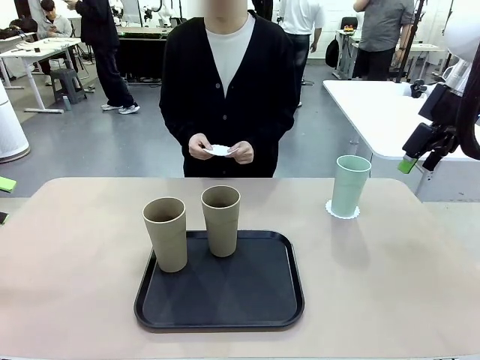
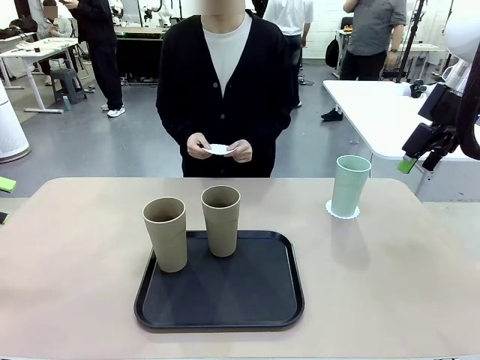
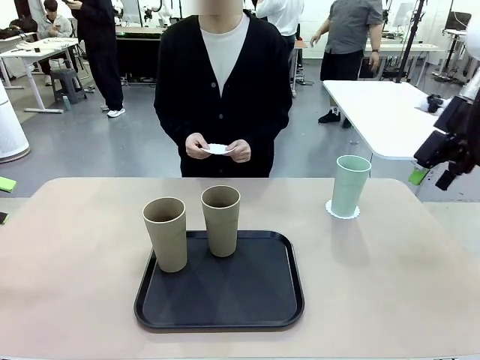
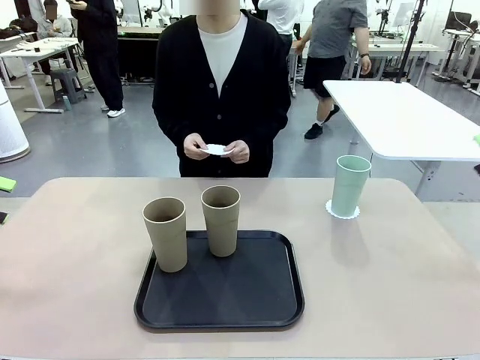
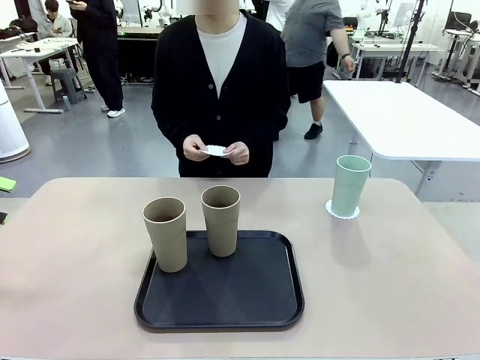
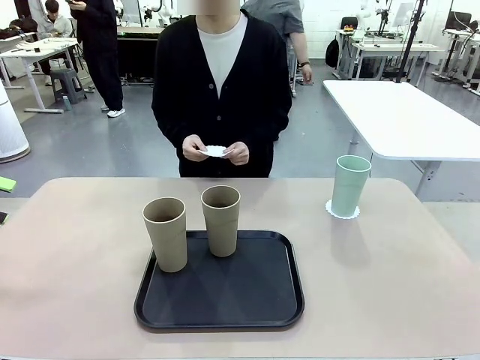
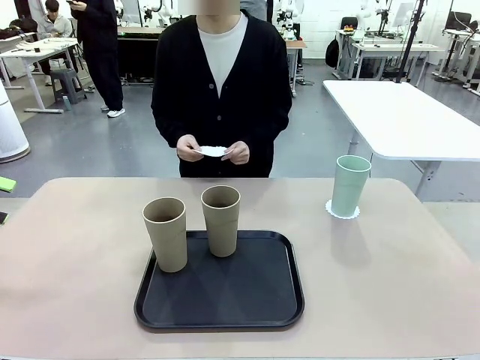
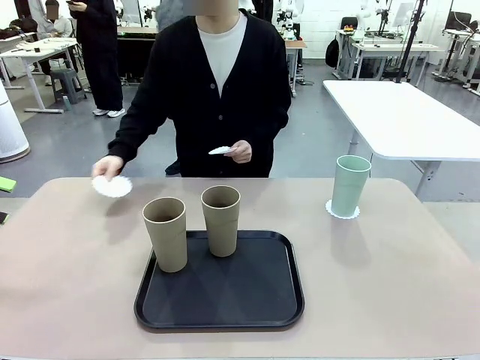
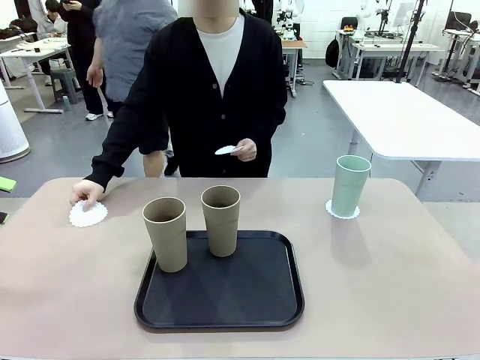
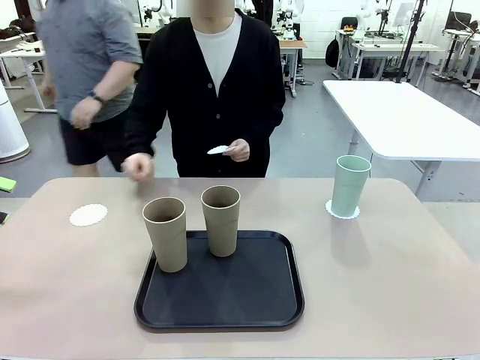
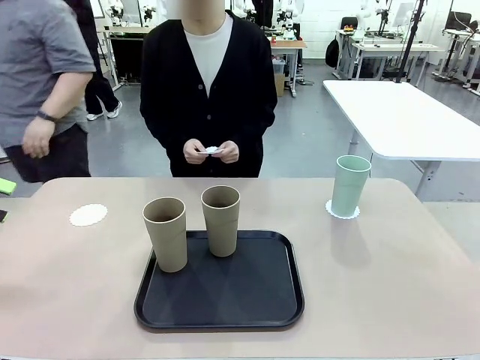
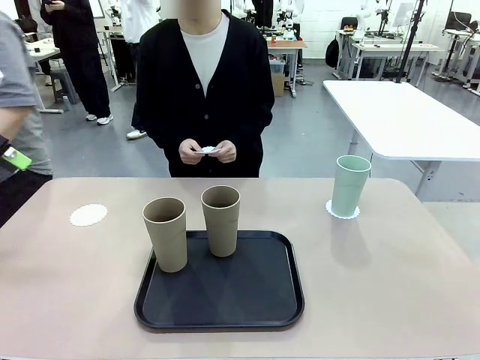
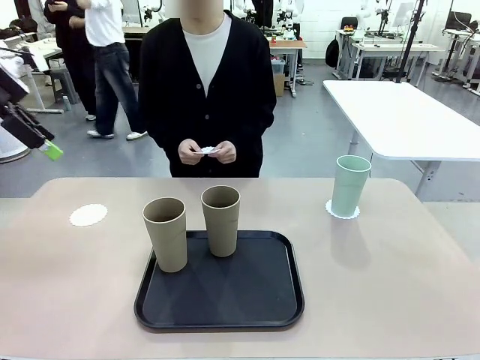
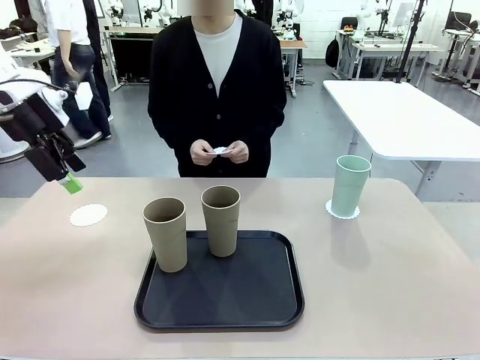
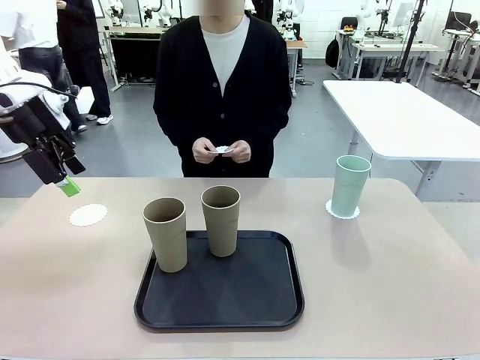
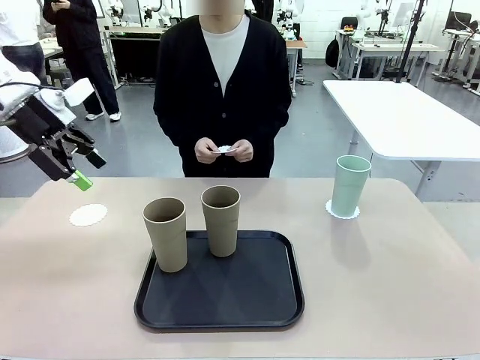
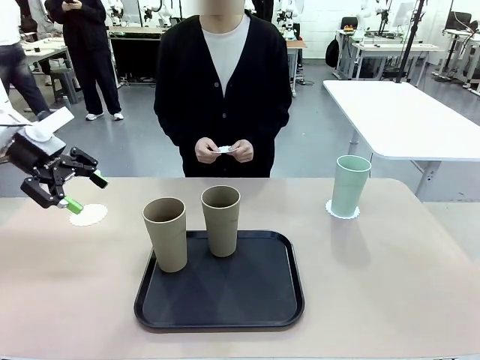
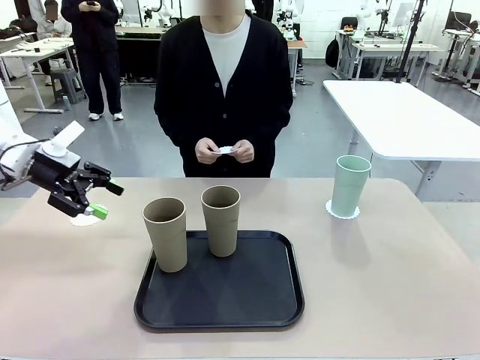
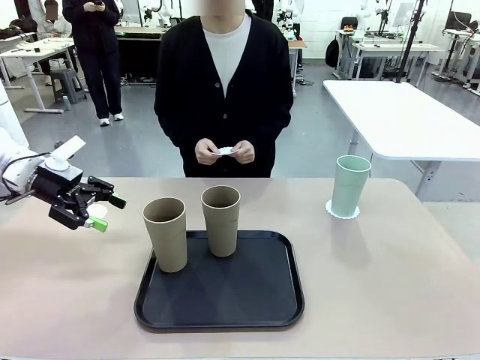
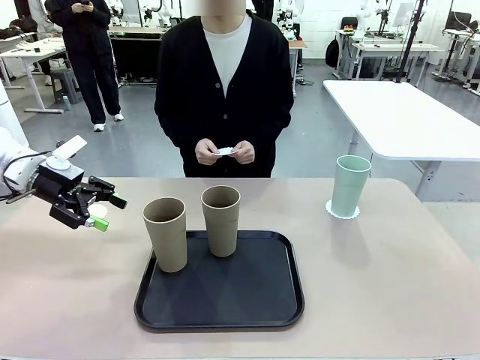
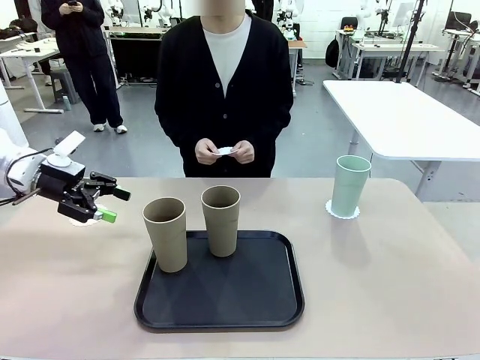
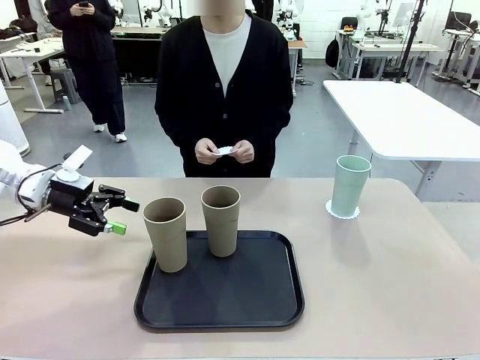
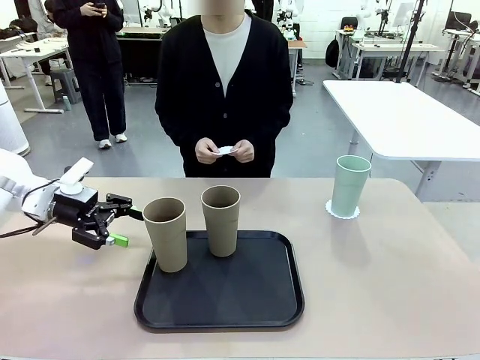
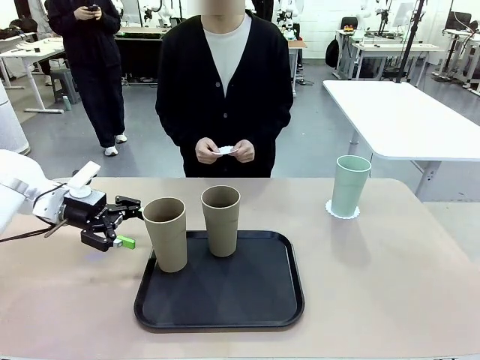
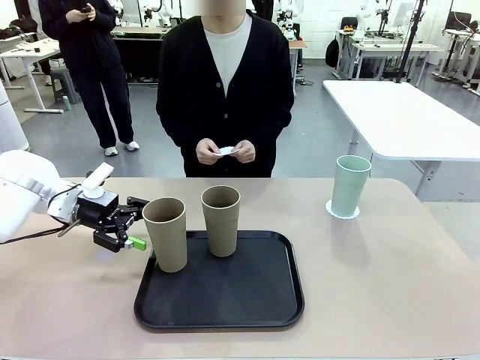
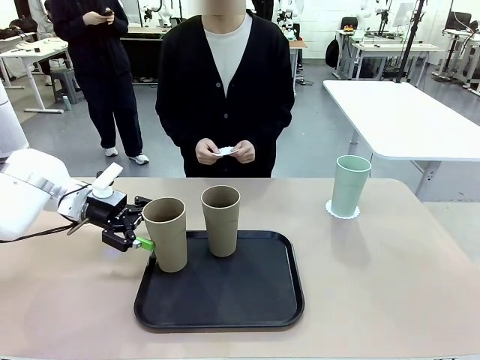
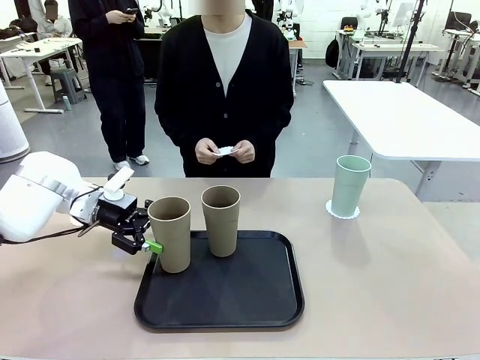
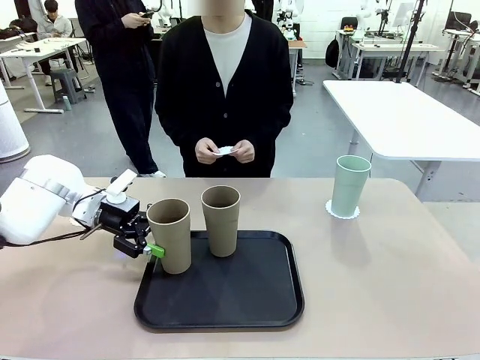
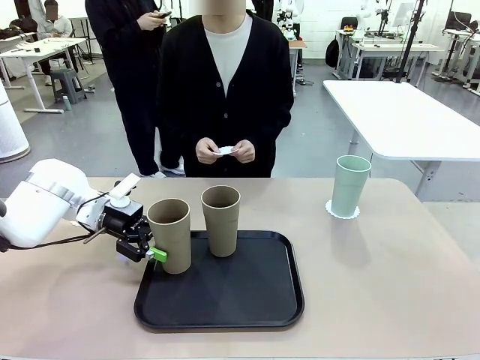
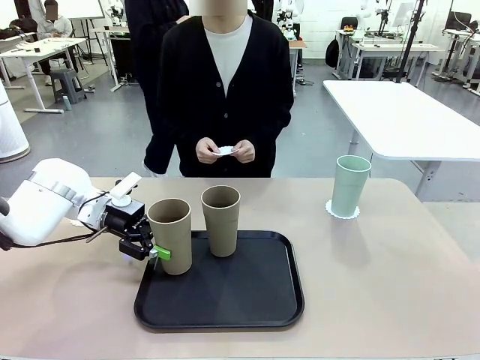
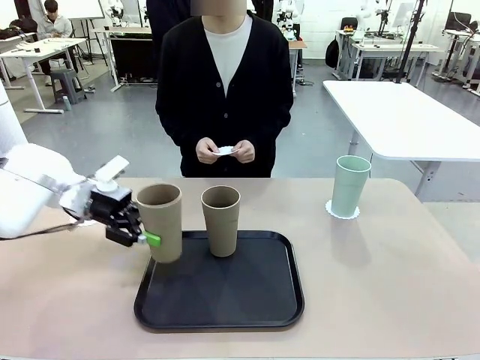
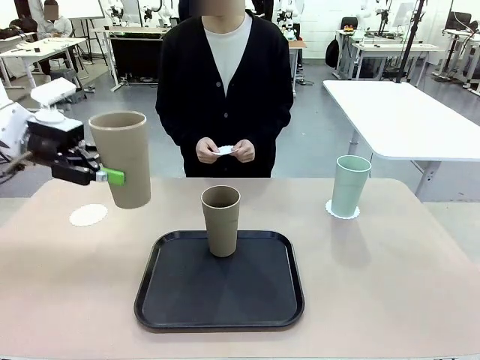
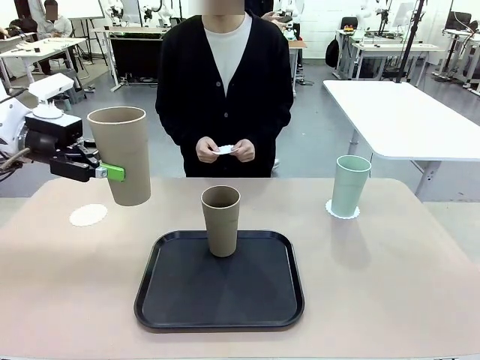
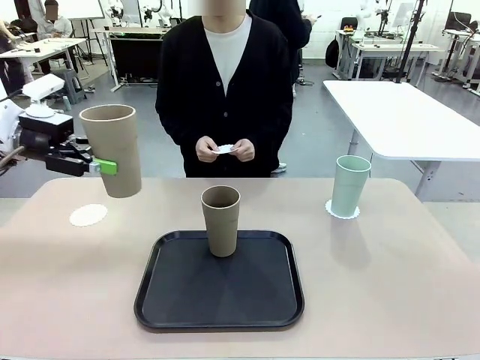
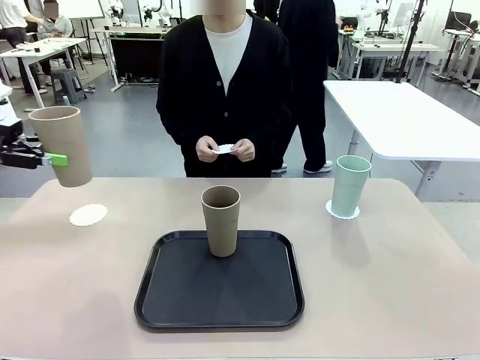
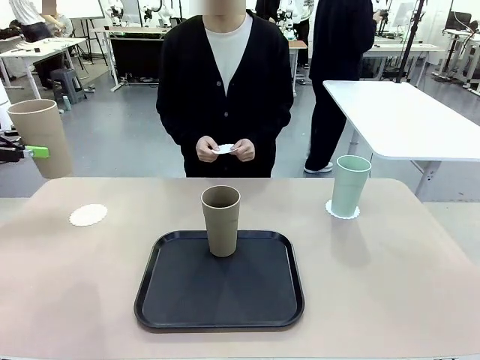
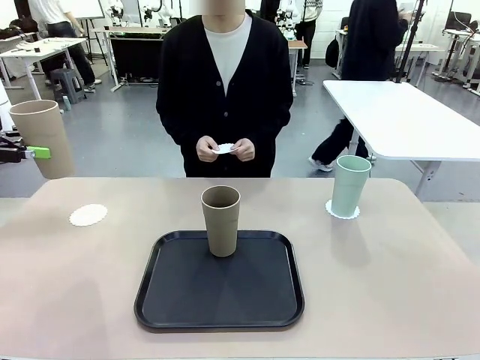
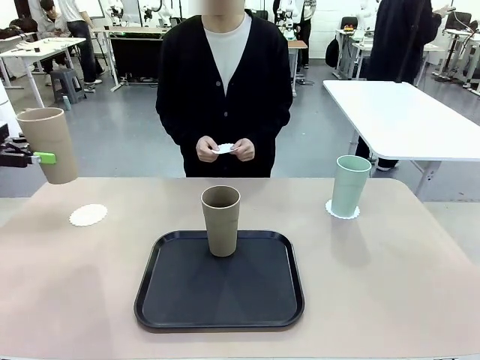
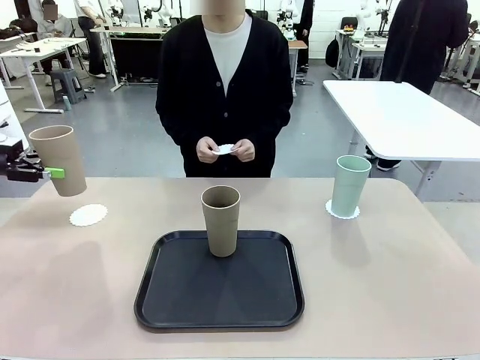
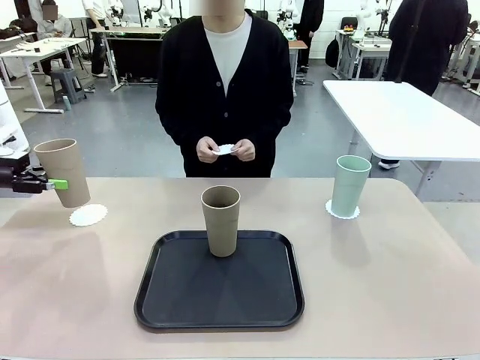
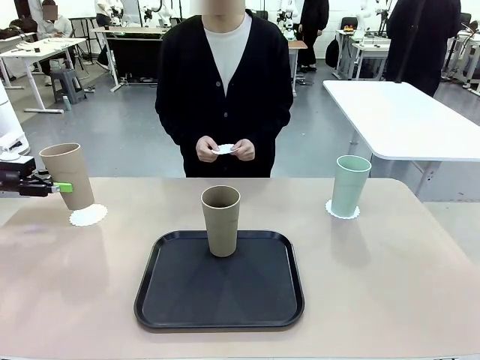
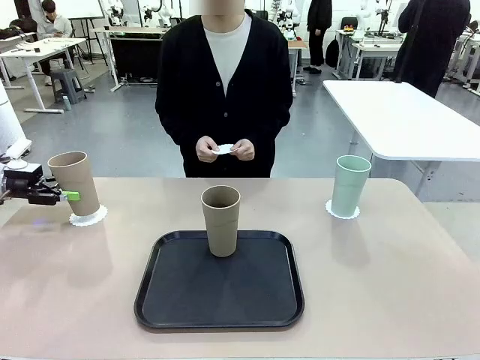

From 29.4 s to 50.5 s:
Task: Place coasters on the table and set cups on them.
Robot: Take one Reusable plastic cup from the Flat Tray and place it on a coaster set by the human.
